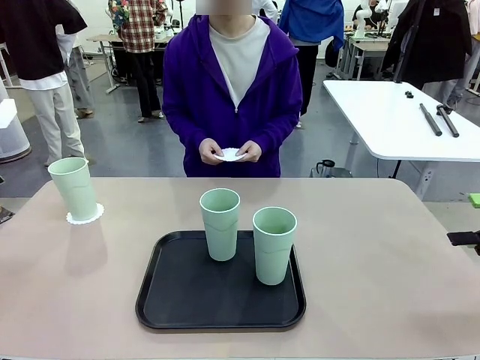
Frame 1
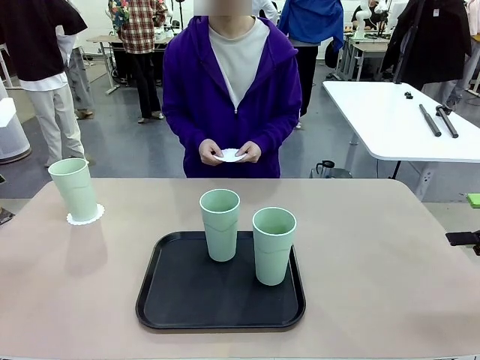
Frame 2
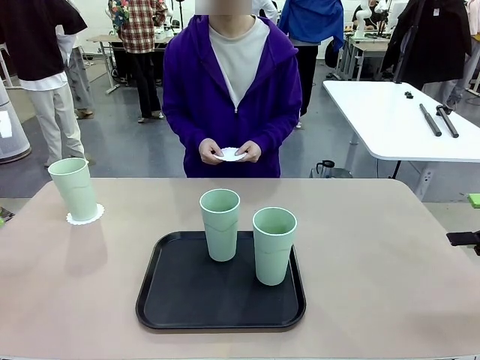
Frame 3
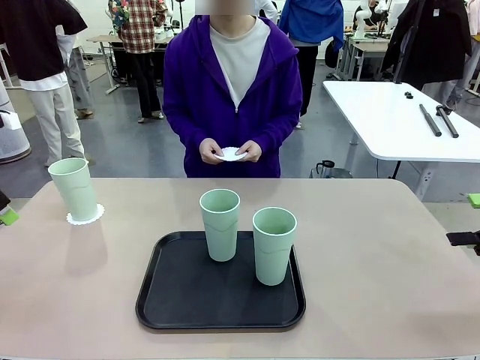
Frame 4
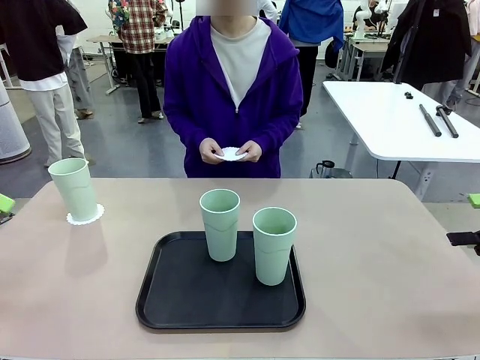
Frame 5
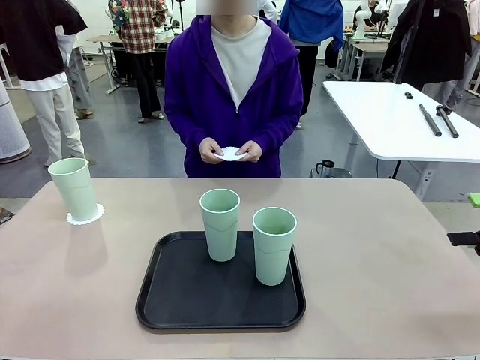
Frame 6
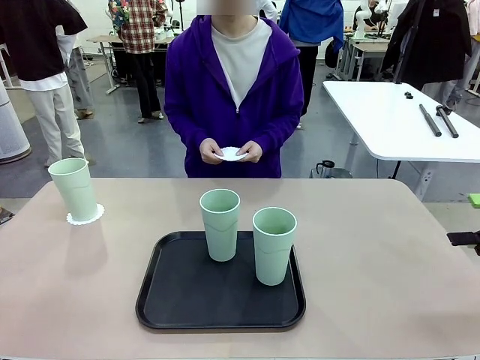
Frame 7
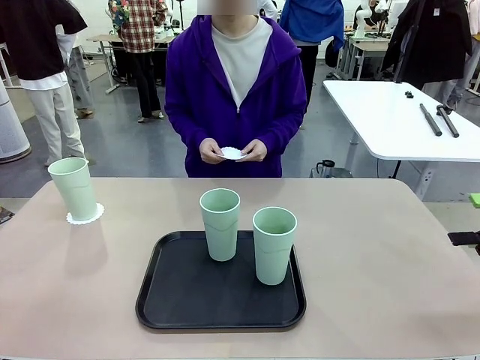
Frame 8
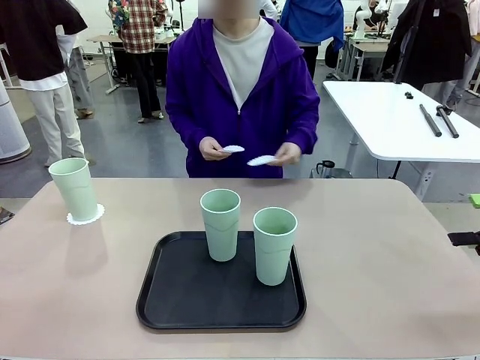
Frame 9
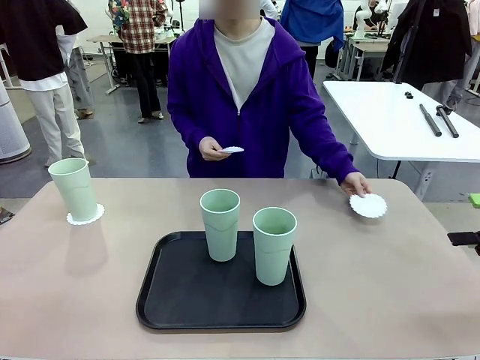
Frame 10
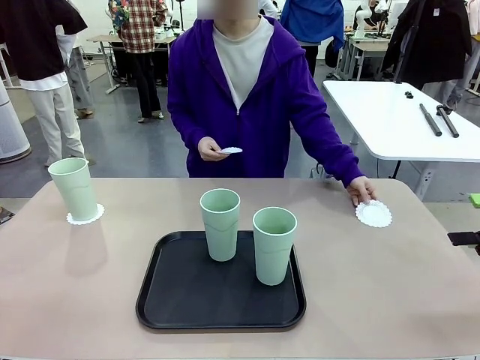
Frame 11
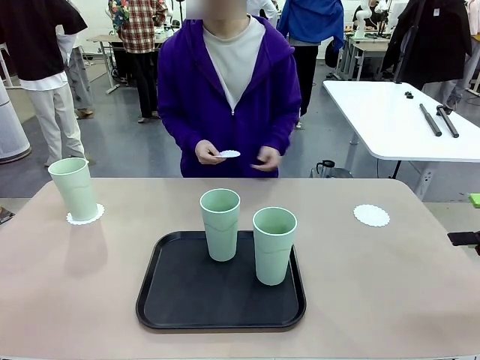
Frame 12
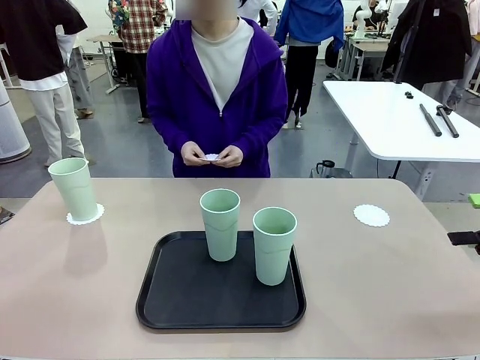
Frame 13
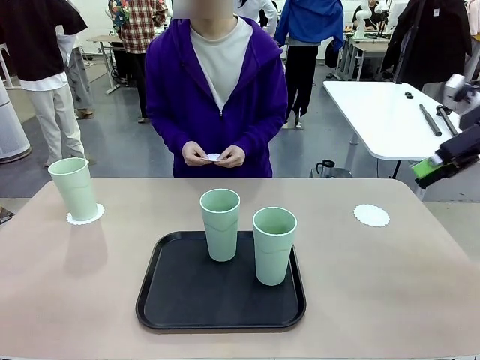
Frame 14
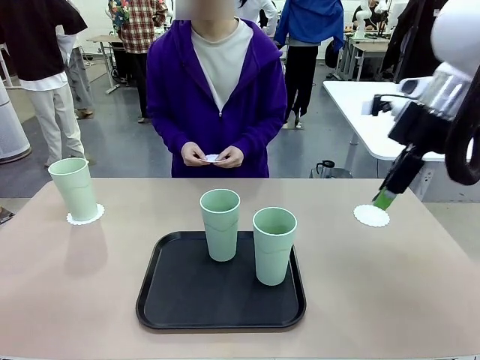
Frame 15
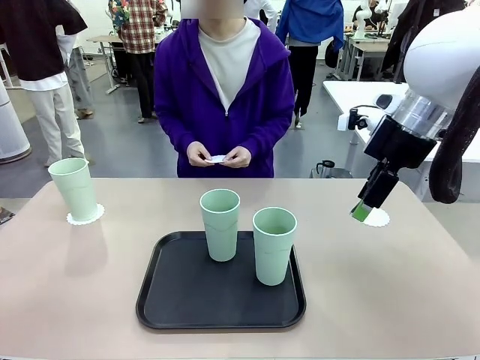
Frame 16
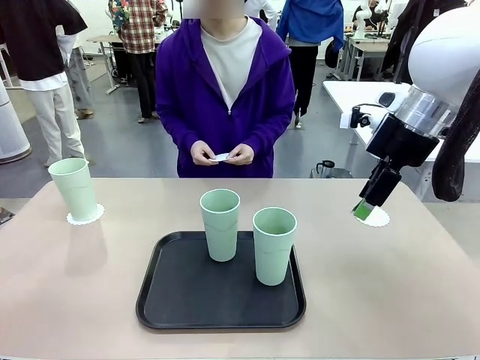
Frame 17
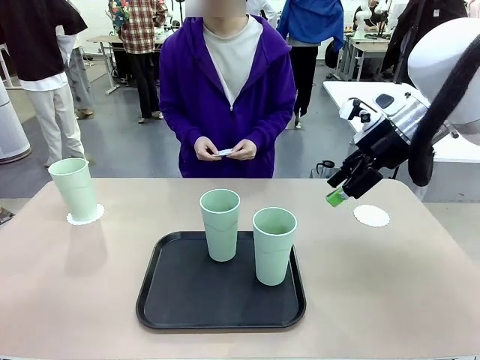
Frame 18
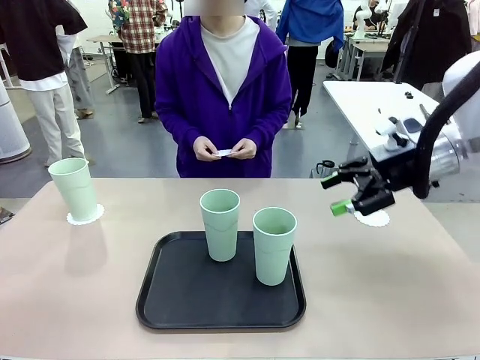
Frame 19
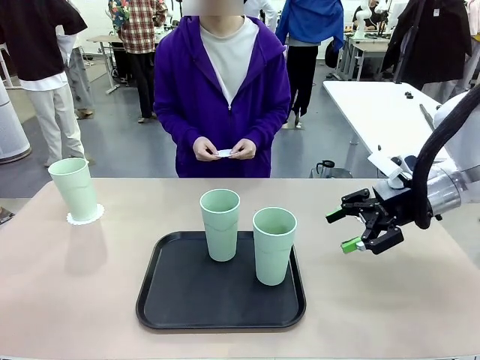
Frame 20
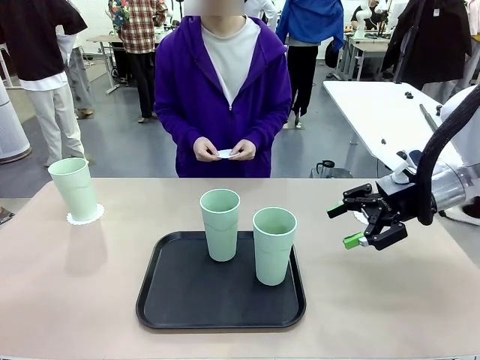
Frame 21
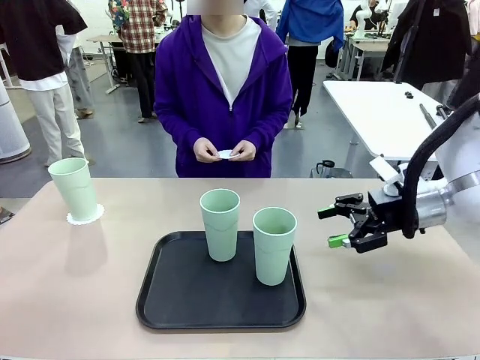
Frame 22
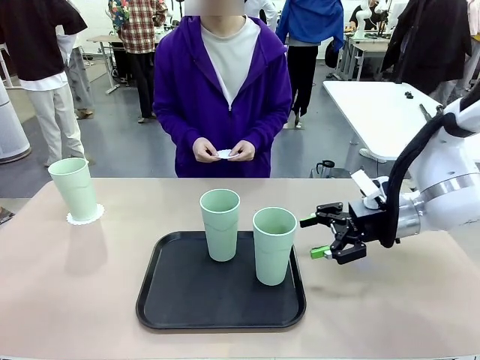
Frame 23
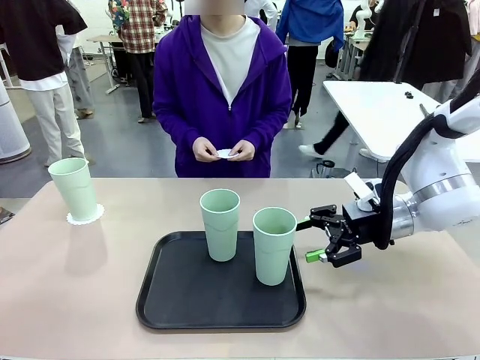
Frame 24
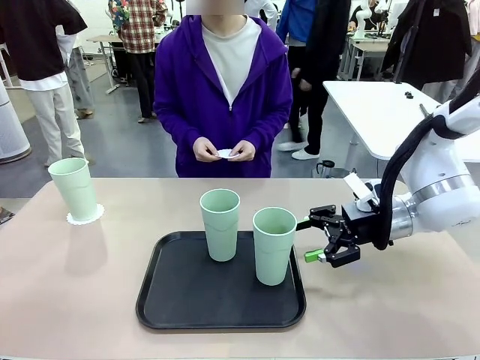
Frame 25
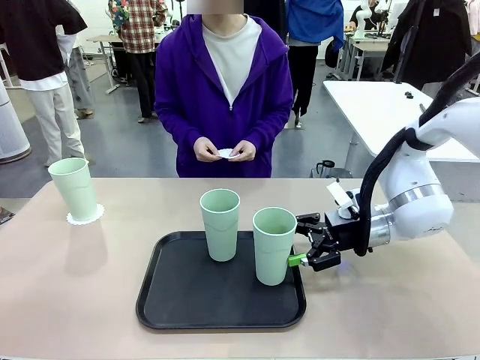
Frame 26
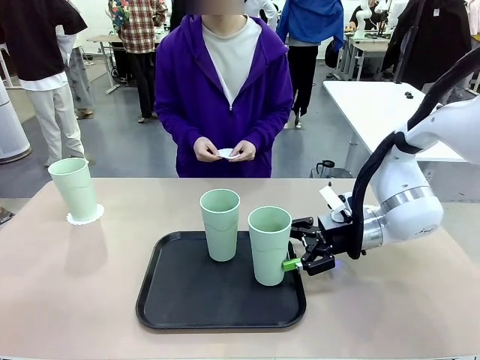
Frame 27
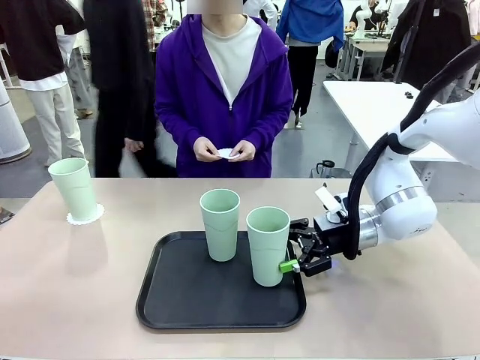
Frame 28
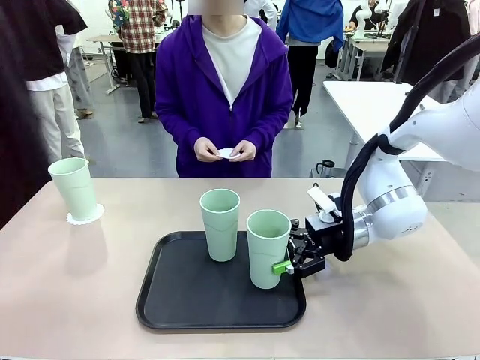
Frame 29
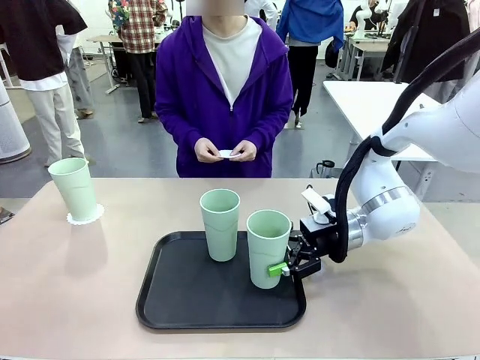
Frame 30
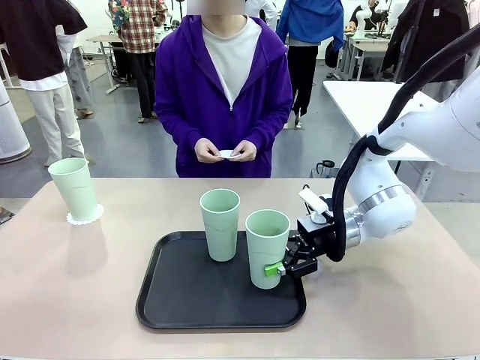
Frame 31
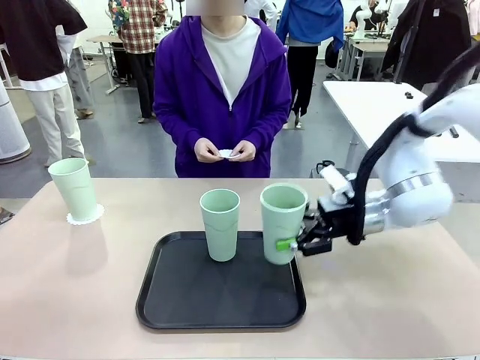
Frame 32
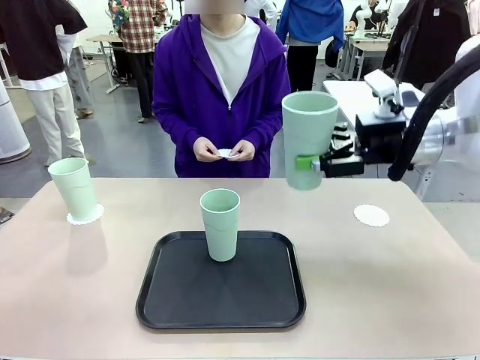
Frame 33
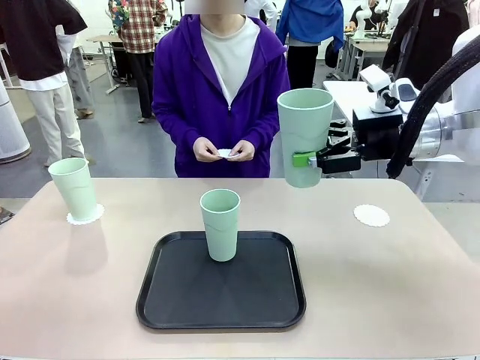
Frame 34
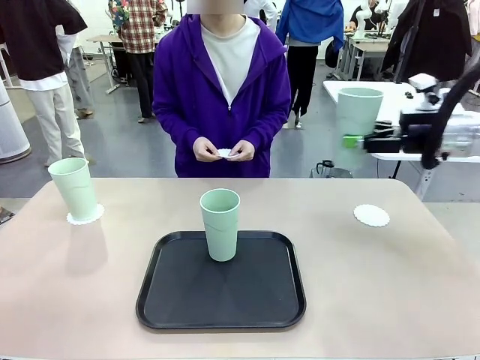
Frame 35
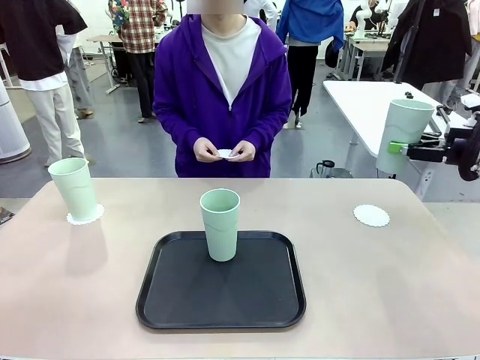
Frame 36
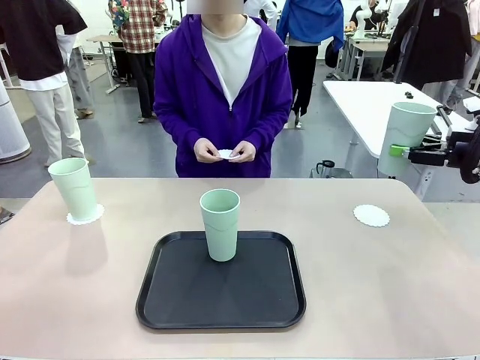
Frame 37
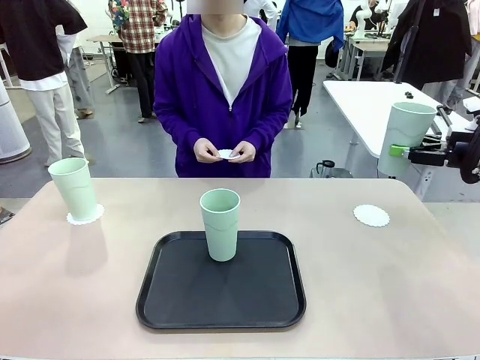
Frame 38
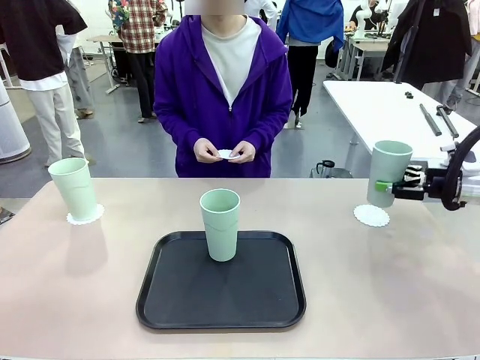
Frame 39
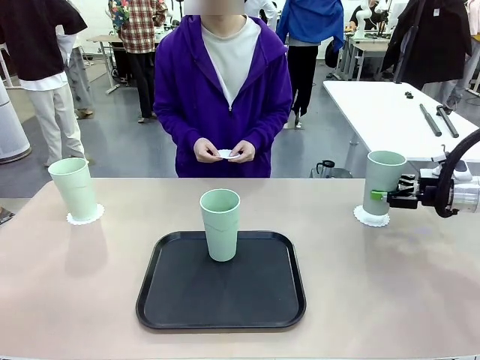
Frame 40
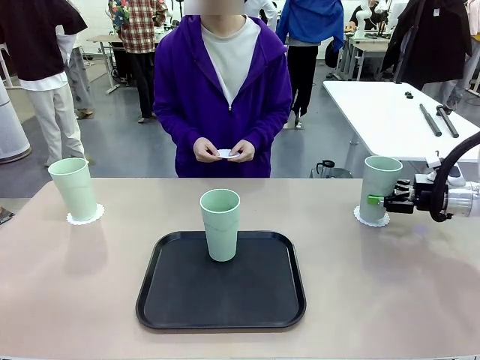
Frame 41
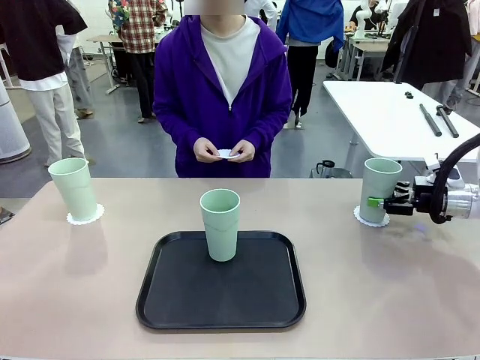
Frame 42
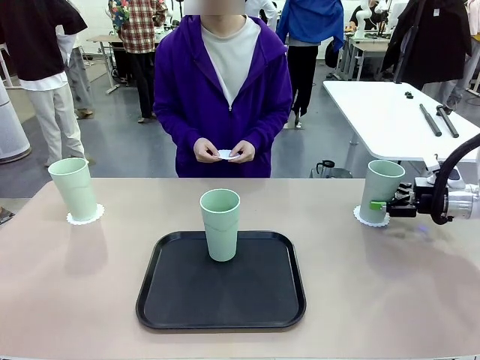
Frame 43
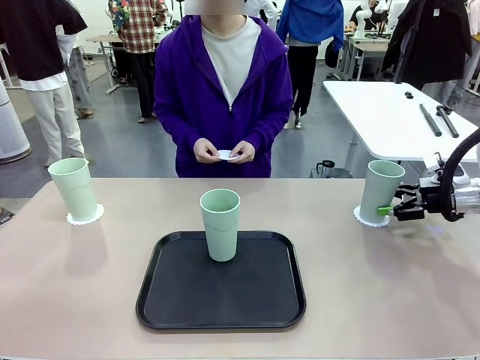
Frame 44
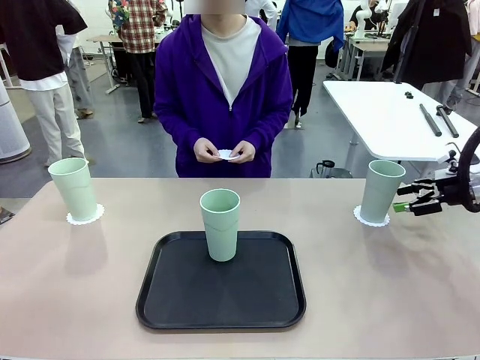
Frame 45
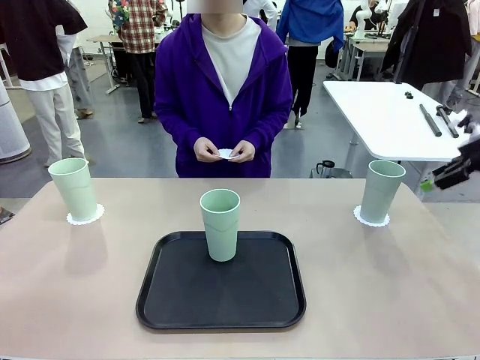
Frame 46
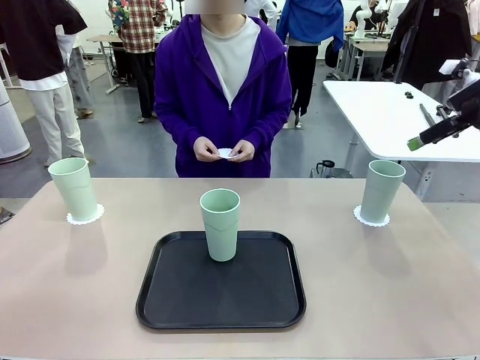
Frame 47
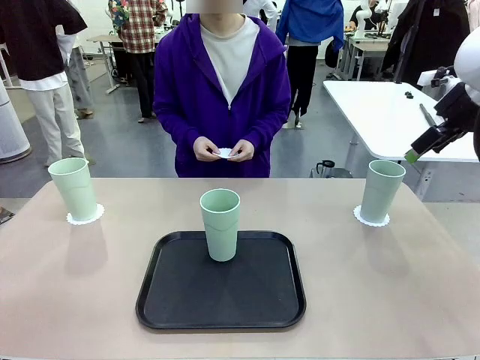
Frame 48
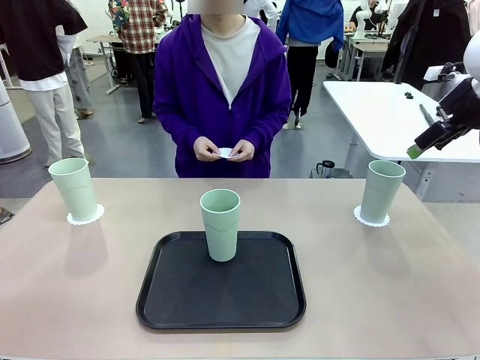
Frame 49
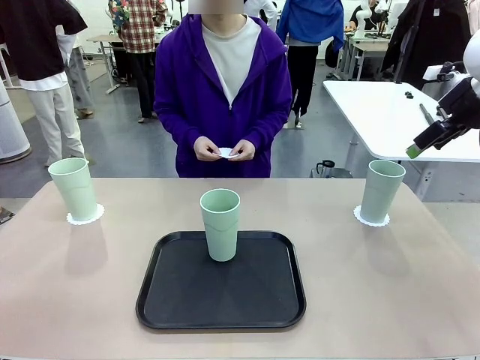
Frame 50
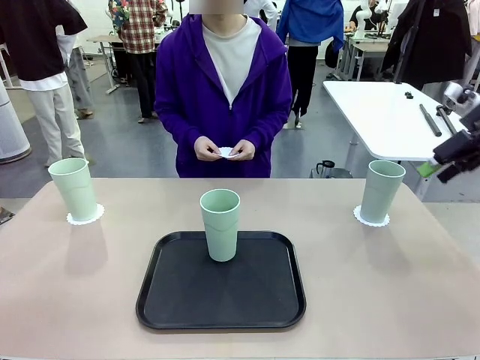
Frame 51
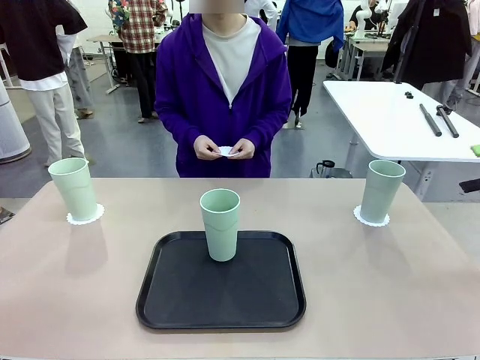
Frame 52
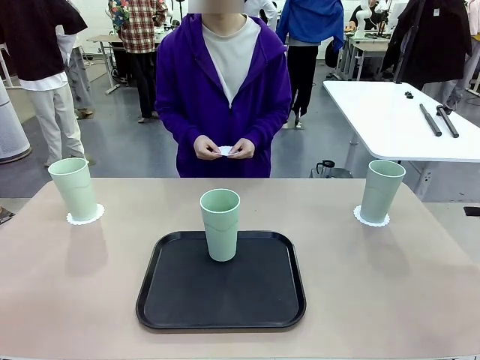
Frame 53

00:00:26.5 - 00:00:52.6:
Task: Place coasters on the table and set cups on them.
Robot: Take one Reusable plastic cup from the Flat Tray and place it on a coaster set by the human.
